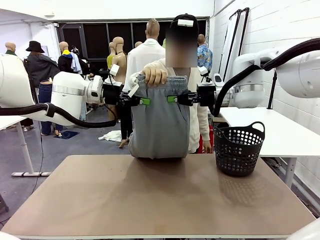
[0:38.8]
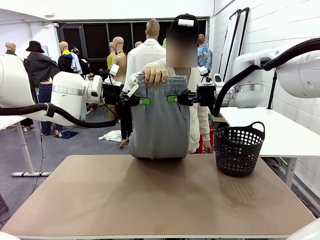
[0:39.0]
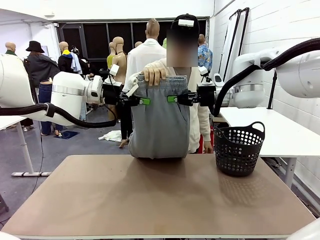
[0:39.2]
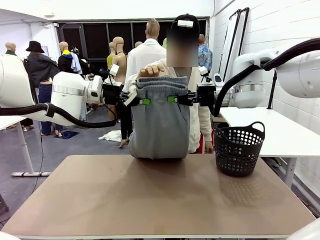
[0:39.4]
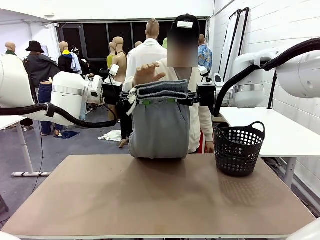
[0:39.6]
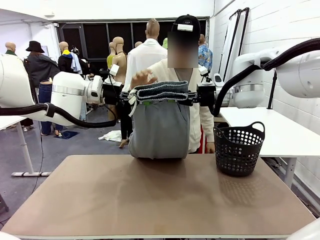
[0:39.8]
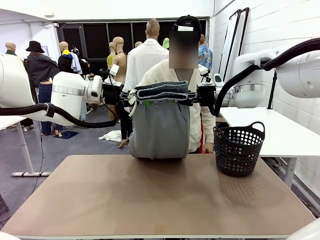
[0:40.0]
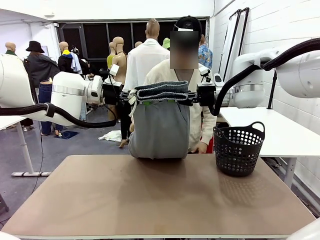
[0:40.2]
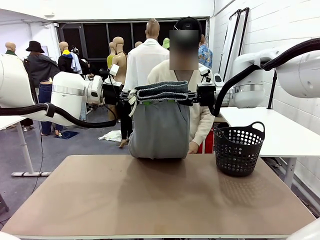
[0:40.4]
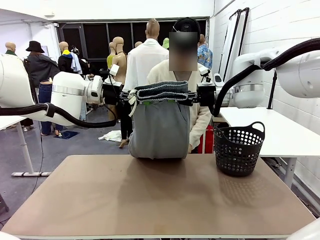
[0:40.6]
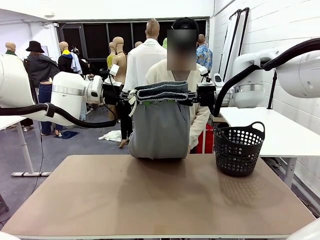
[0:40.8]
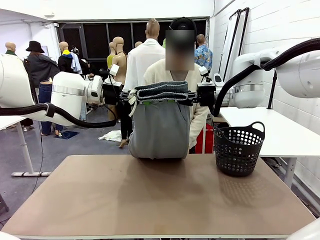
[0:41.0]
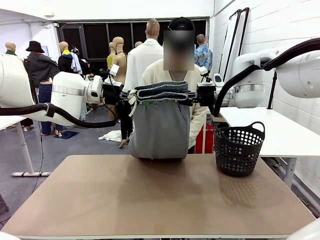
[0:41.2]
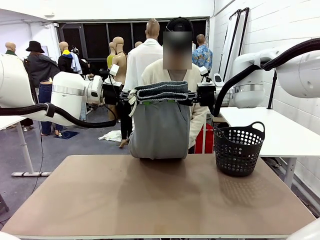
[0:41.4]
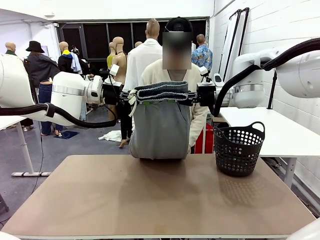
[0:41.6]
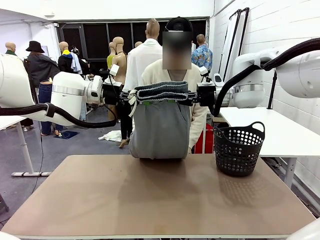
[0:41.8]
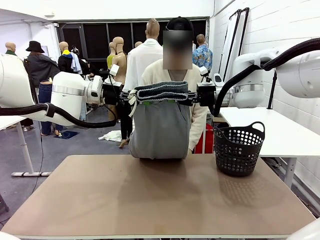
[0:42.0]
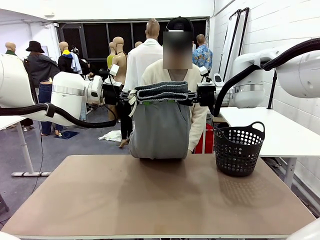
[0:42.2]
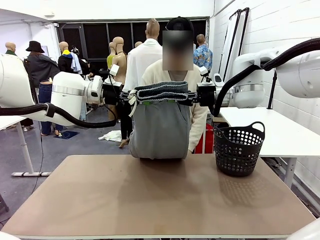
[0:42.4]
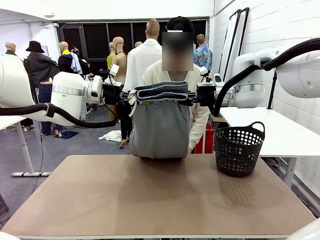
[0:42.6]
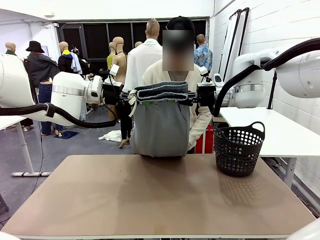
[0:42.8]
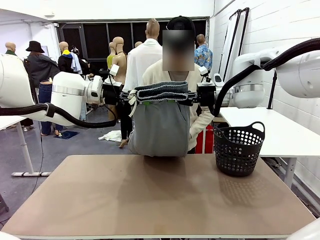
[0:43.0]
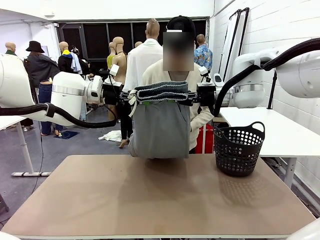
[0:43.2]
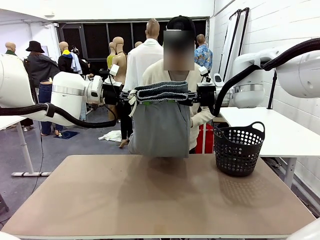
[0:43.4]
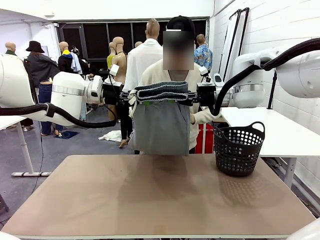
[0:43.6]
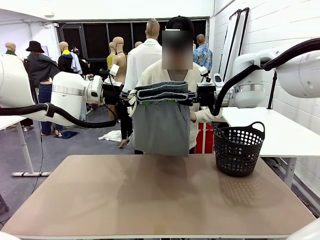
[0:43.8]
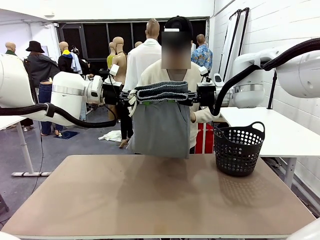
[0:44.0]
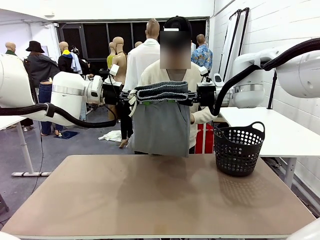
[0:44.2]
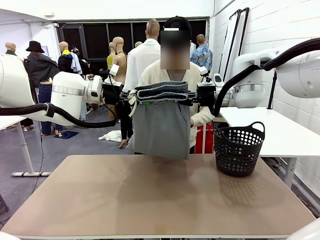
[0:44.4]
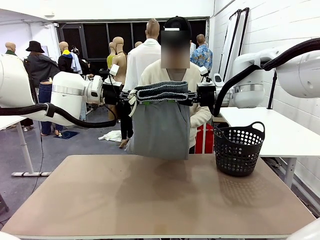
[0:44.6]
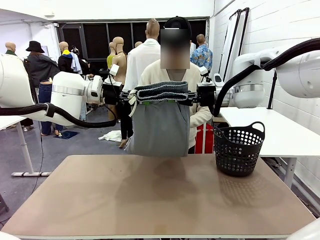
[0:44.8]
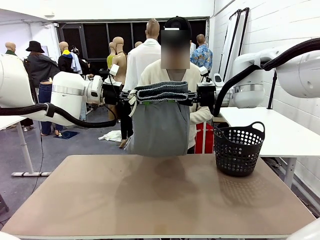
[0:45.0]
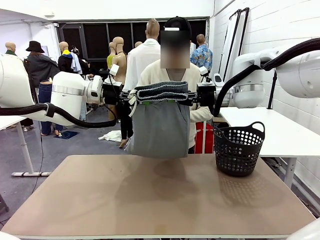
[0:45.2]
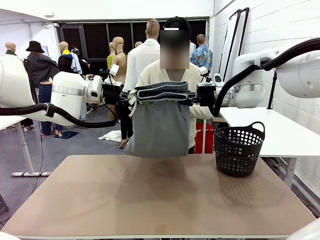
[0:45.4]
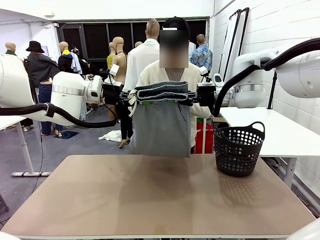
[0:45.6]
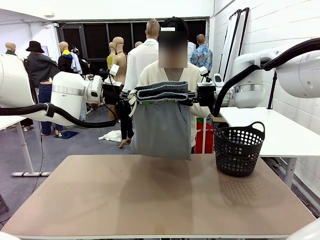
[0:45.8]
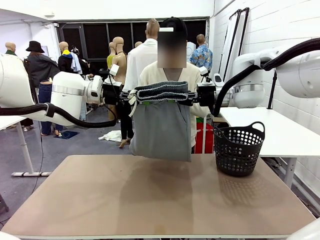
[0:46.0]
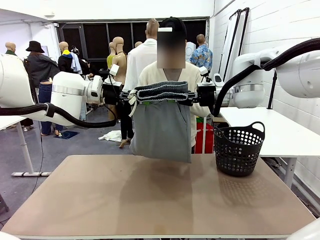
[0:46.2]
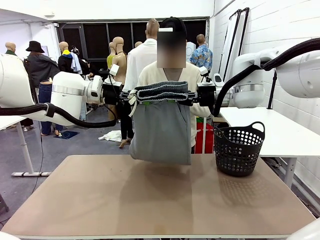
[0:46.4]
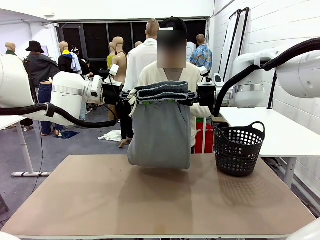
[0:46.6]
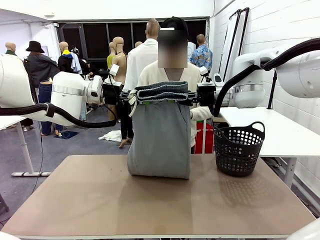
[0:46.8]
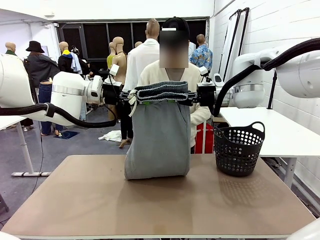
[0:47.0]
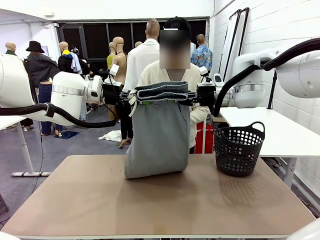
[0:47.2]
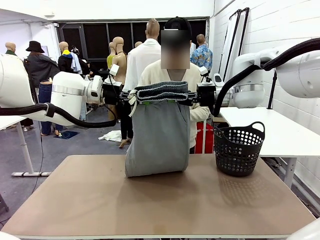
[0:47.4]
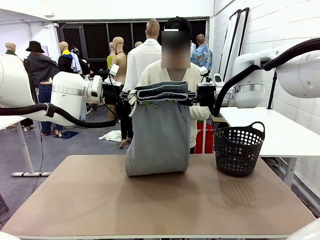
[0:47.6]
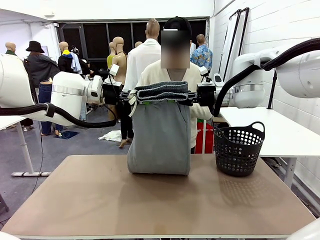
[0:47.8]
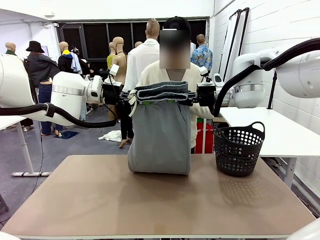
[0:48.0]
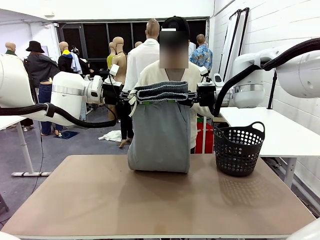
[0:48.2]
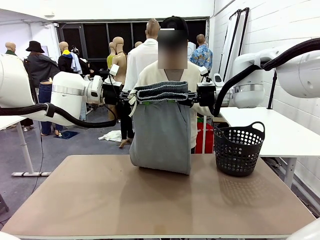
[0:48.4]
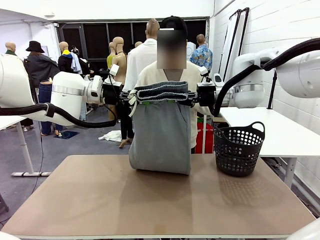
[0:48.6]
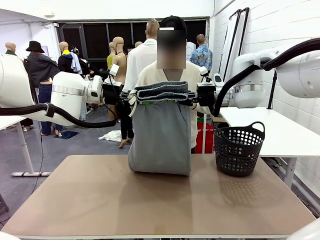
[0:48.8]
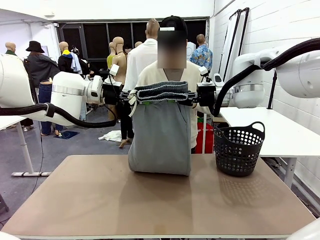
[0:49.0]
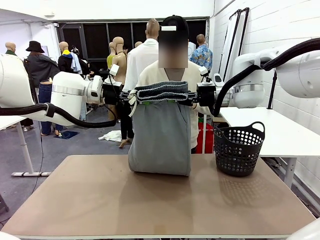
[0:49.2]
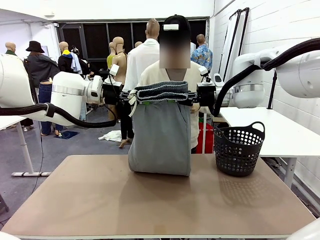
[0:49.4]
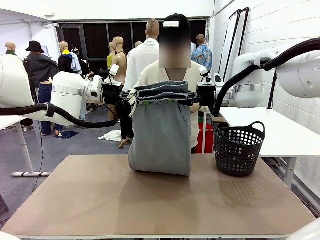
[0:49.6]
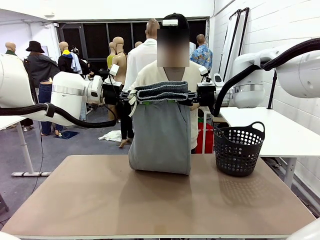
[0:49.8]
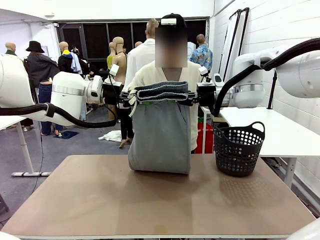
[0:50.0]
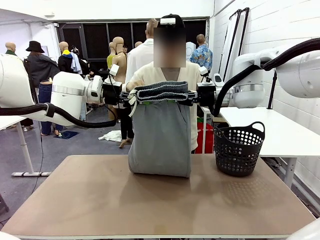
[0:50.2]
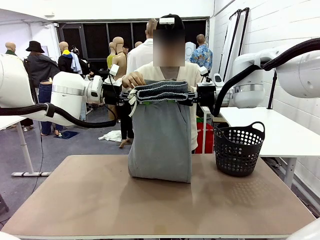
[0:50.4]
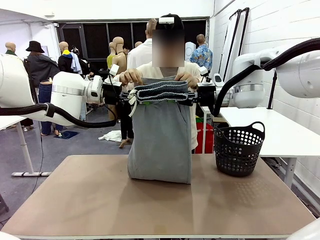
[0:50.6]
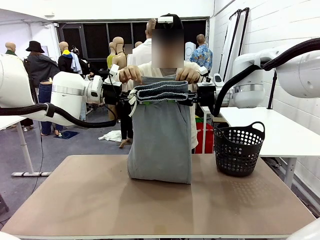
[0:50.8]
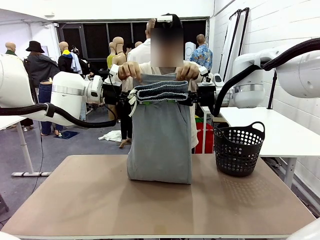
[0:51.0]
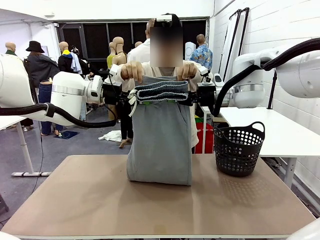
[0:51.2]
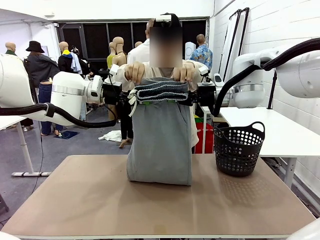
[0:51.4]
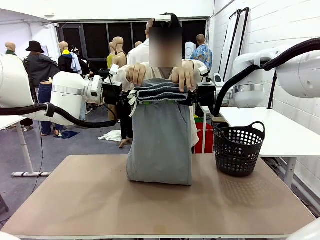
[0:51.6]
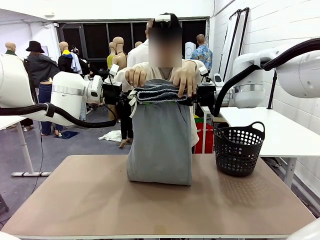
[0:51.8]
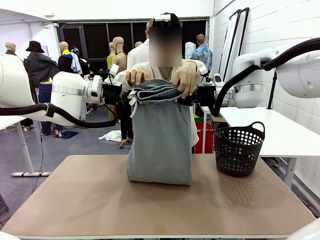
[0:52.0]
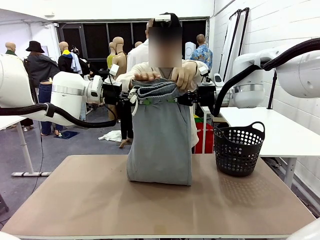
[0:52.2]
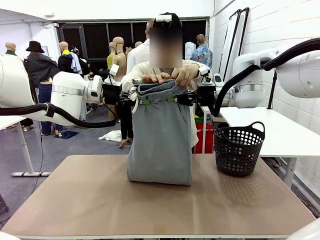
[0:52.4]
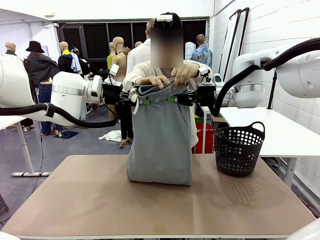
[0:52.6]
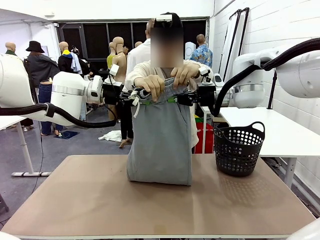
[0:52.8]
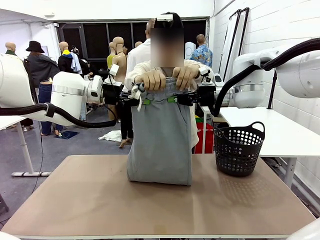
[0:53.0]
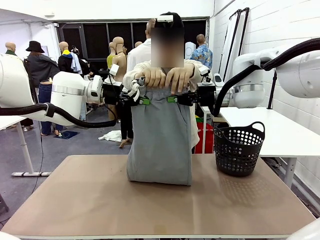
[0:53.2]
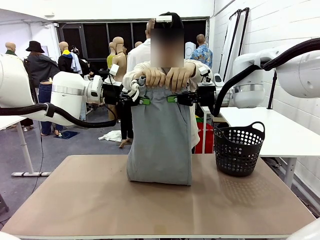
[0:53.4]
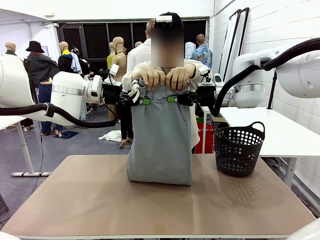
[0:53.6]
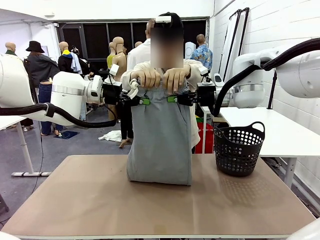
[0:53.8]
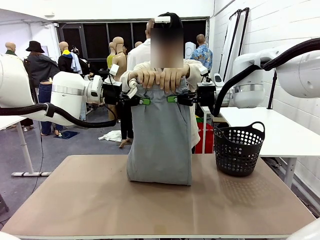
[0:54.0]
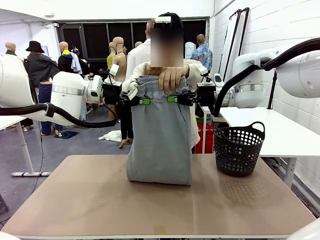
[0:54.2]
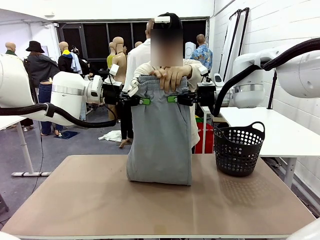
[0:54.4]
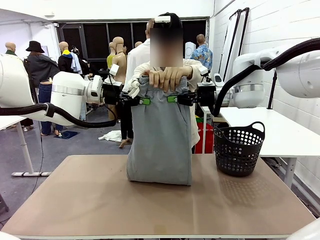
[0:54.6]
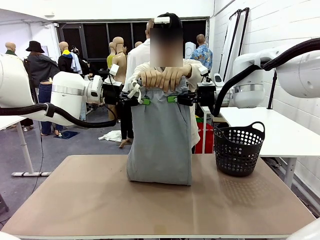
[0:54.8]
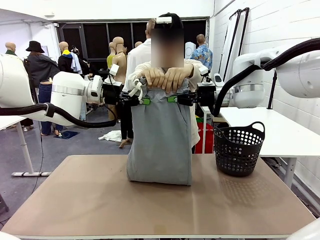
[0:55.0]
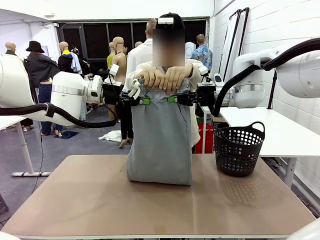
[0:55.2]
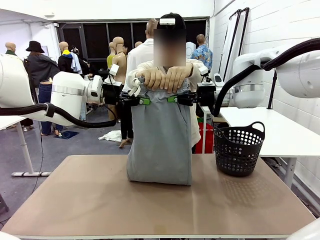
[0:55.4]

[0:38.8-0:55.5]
Task: Fold the training pants.
Robot: Release the ends of the Training pants and then grab the overlapped ends.
Person: Grasp the end opposite the point the robot is holding, fold the pants in half, and then grasp the overlapping top end of the folded pants.
